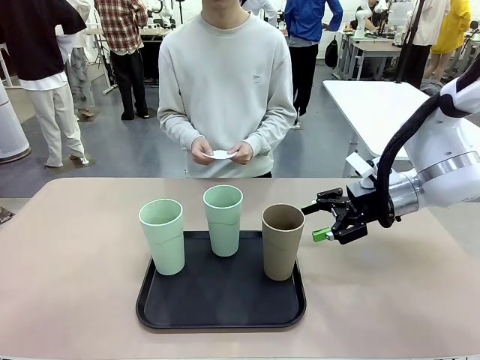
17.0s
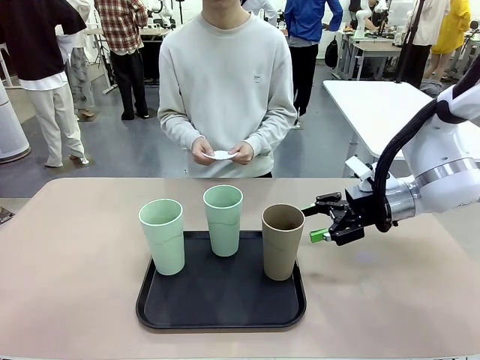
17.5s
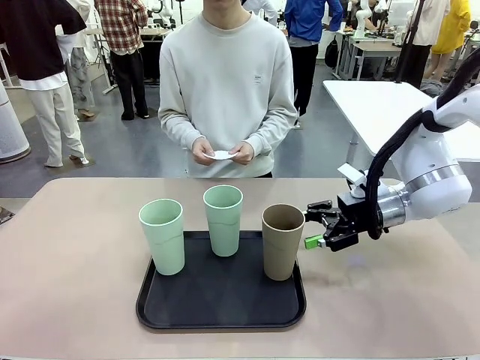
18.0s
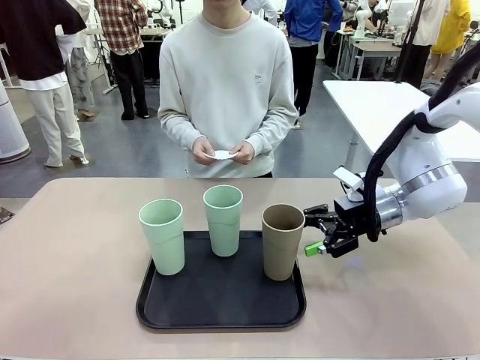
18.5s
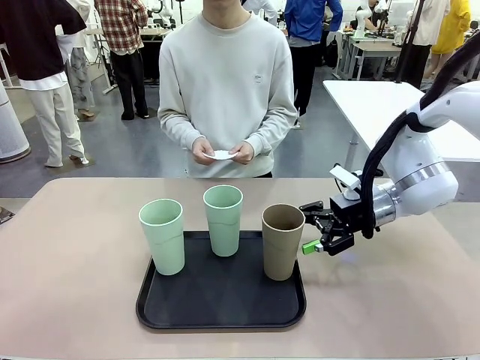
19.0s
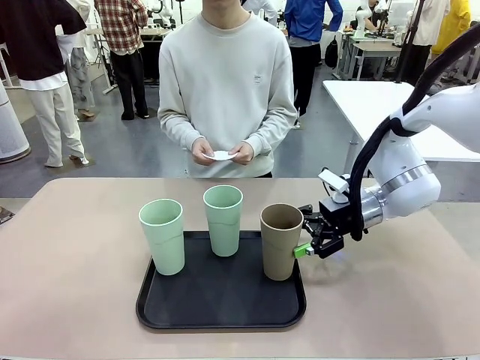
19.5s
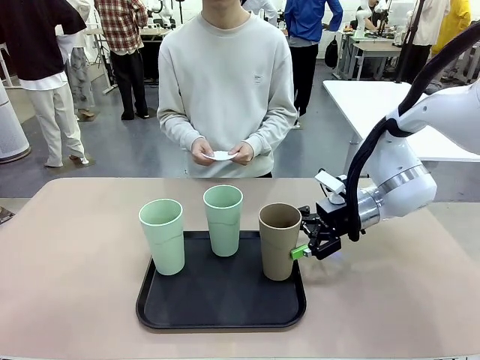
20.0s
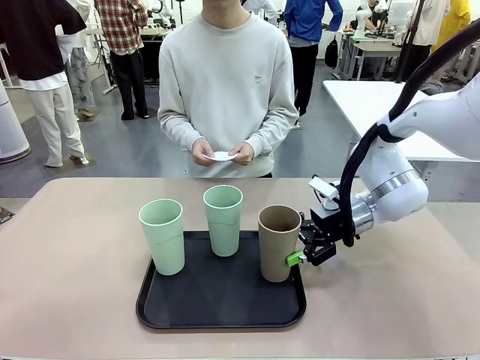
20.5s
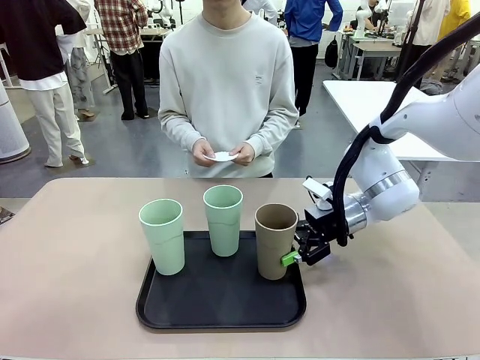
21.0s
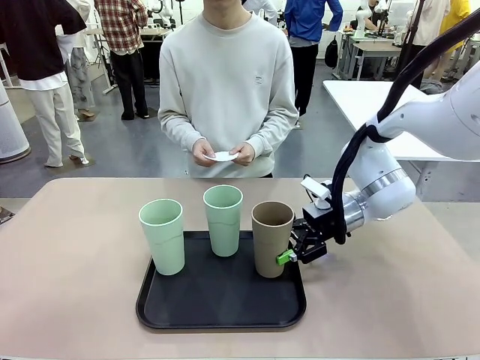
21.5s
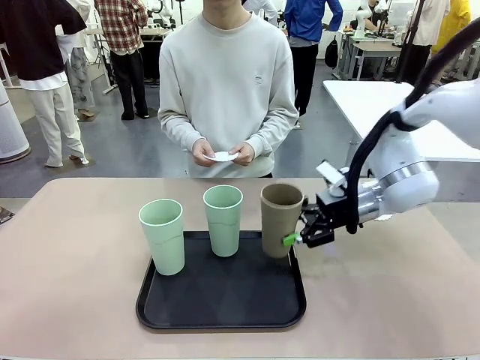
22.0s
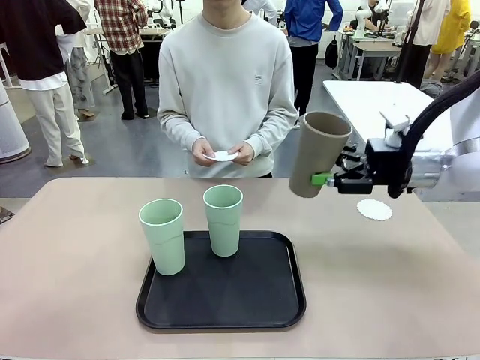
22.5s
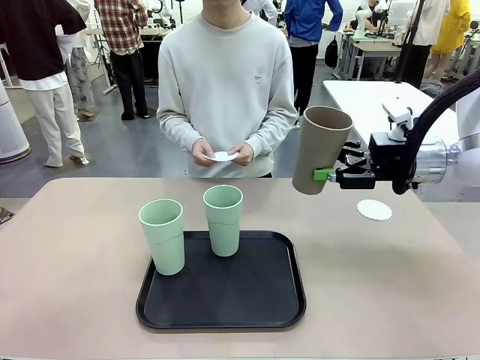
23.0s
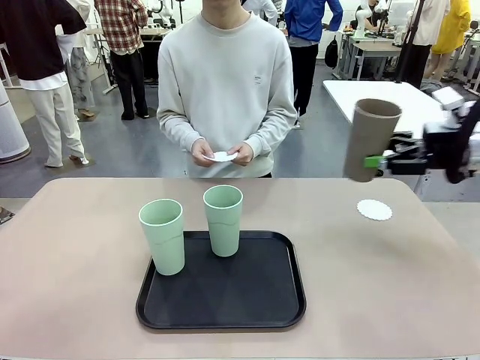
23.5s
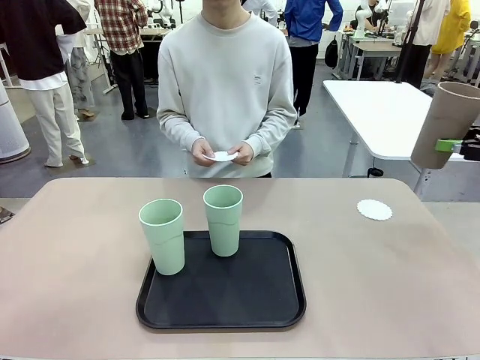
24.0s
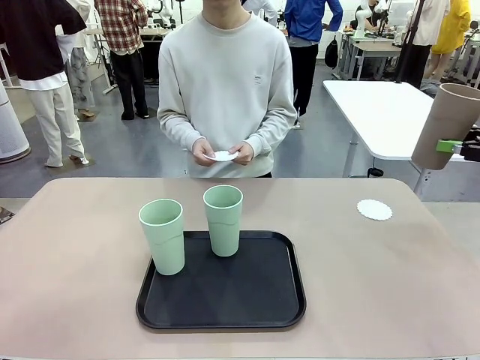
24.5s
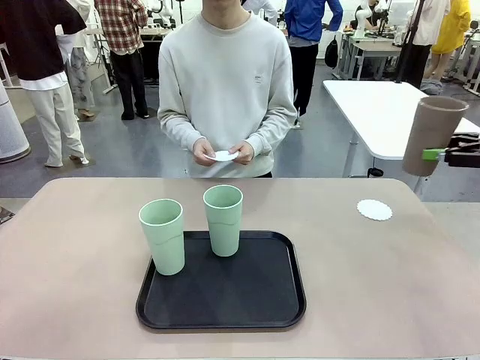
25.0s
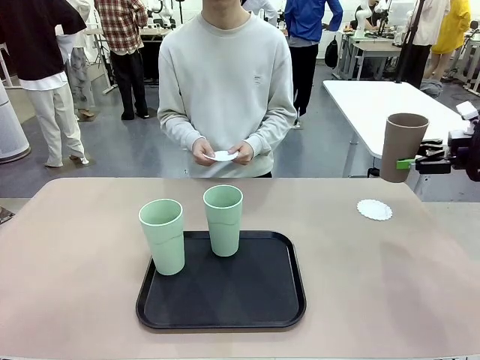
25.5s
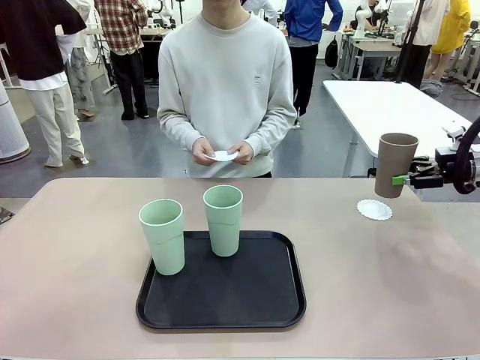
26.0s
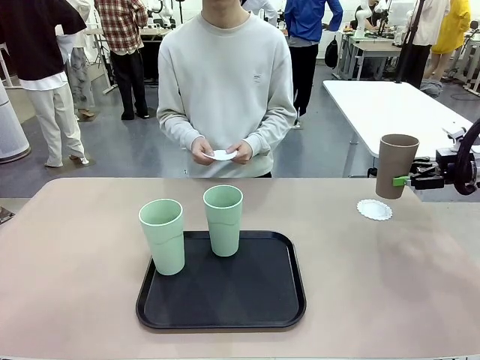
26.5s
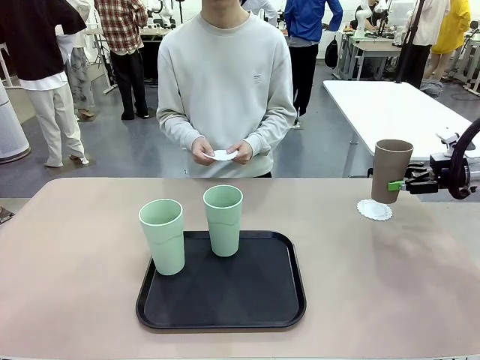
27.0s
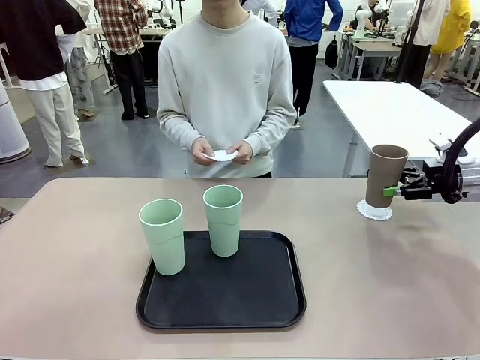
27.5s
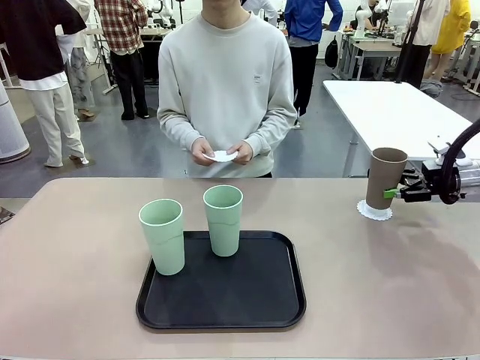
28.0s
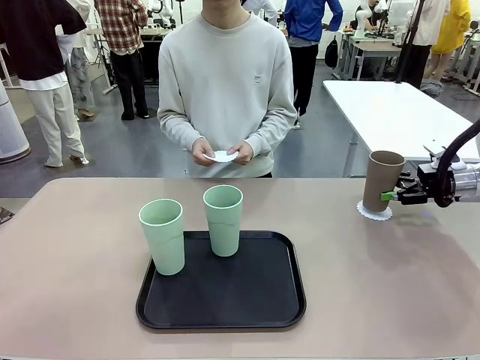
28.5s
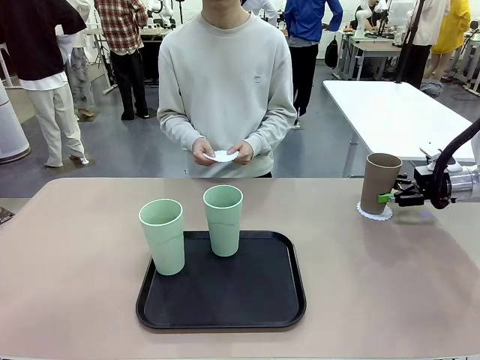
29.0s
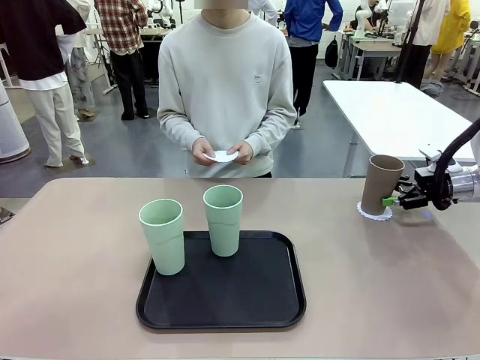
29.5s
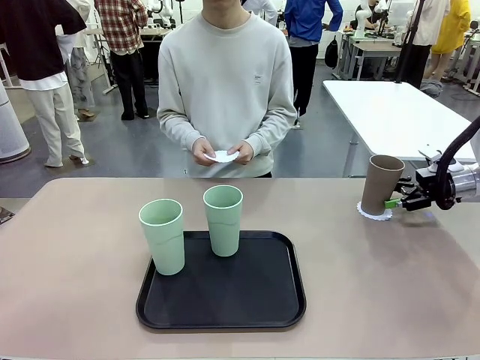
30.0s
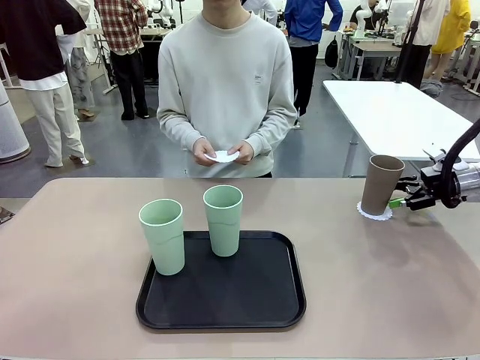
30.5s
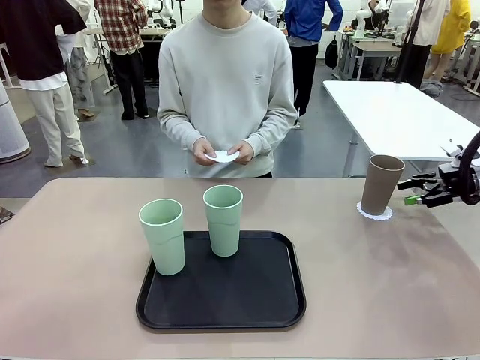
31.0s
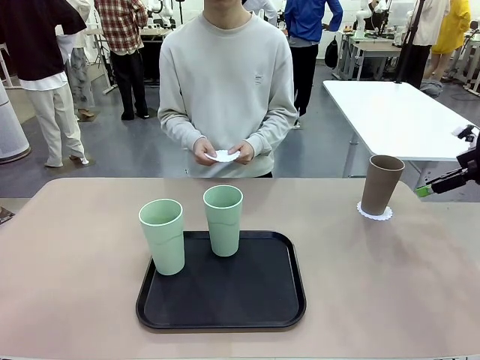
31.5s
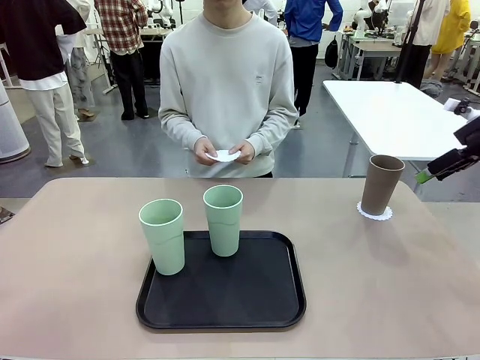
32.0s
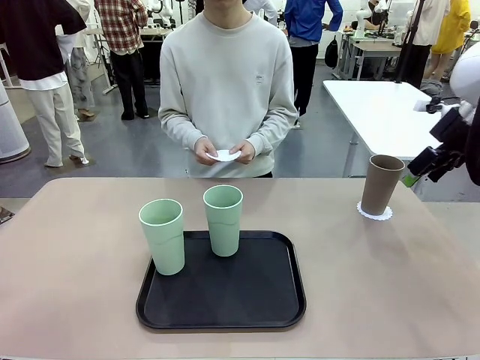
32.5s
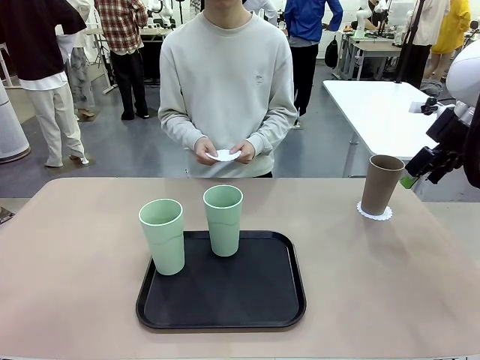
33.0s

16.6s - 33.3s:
Task: Place coasters on the table and set cups on them.
Robot: Pick up one Reusable plastic cup and place it on a coaster set by the human.
Person: Place one coaster in one of the two areas excluding the previously selected area.

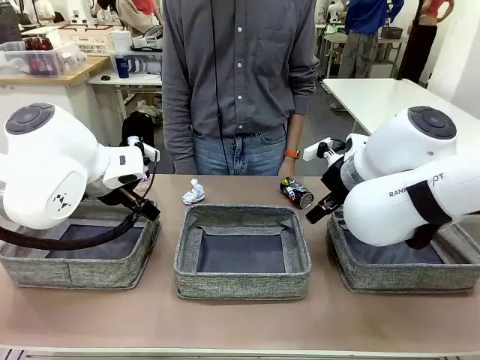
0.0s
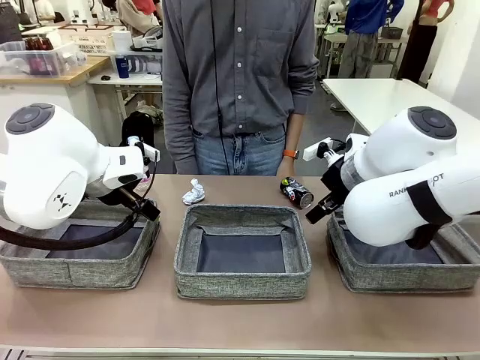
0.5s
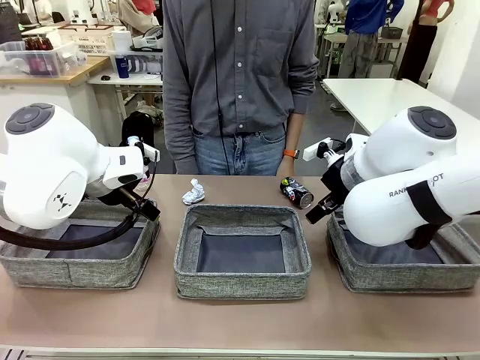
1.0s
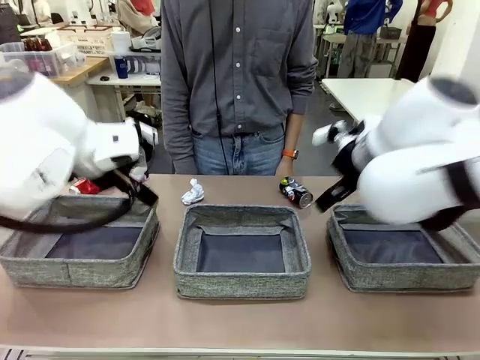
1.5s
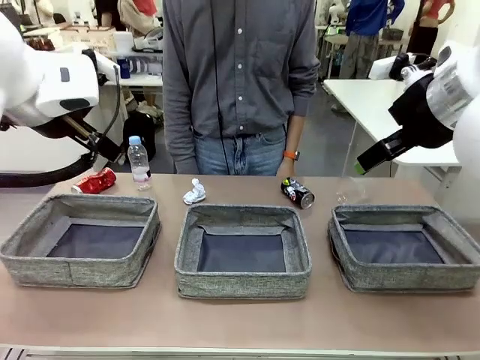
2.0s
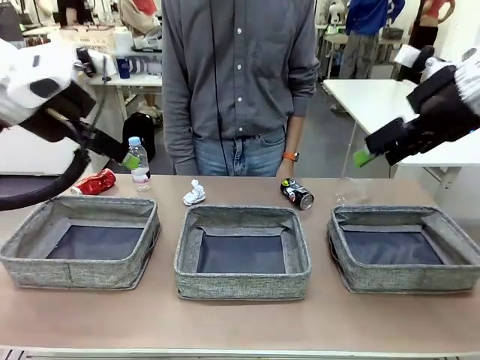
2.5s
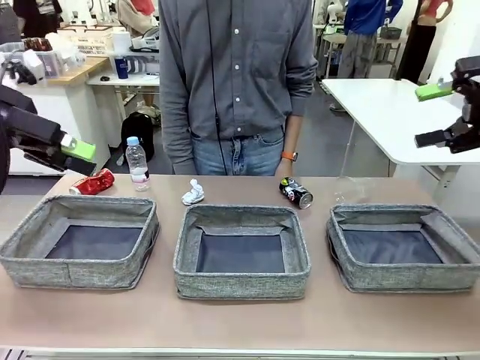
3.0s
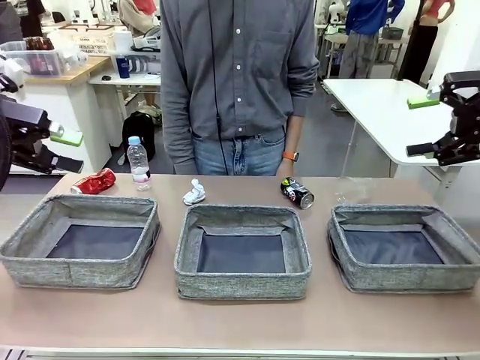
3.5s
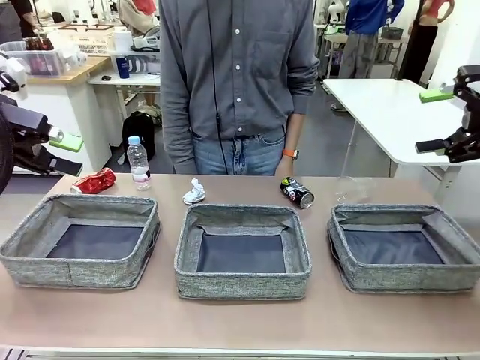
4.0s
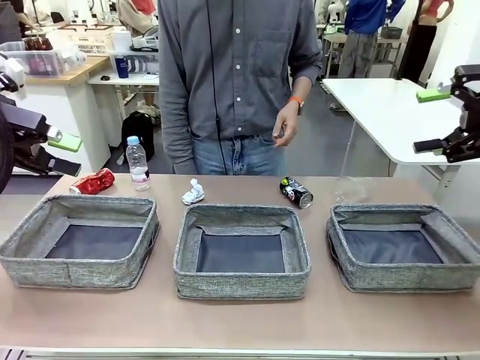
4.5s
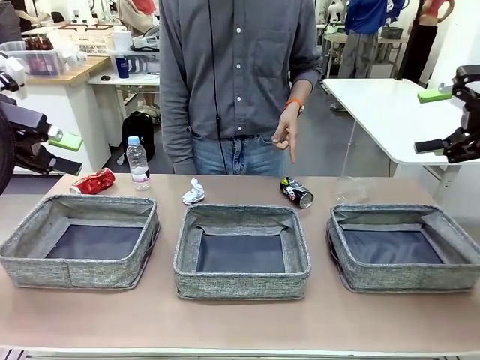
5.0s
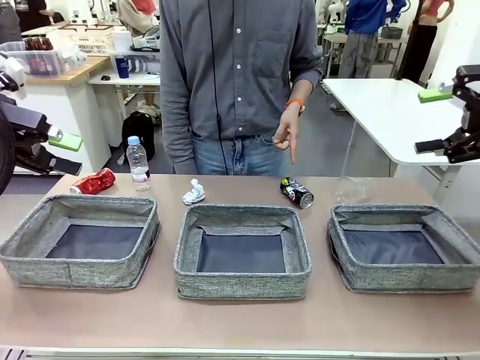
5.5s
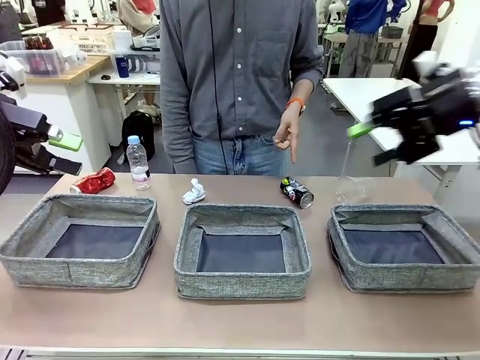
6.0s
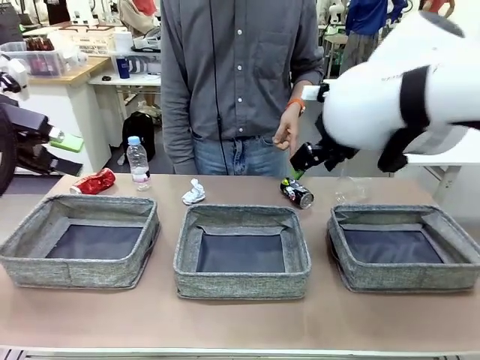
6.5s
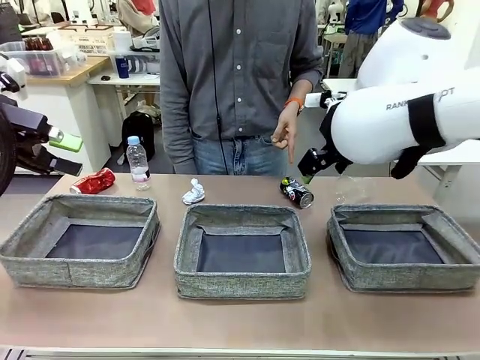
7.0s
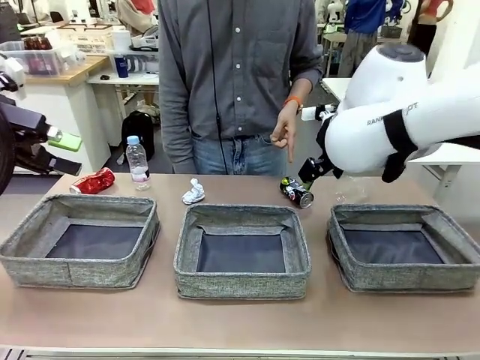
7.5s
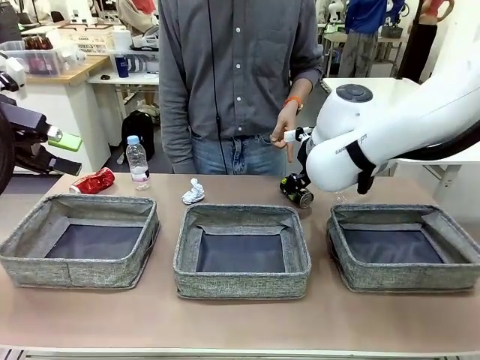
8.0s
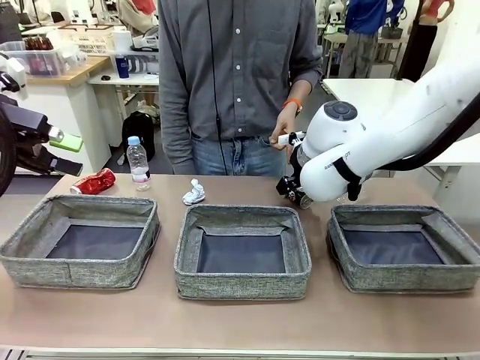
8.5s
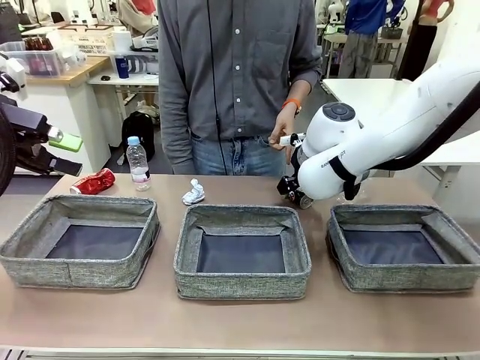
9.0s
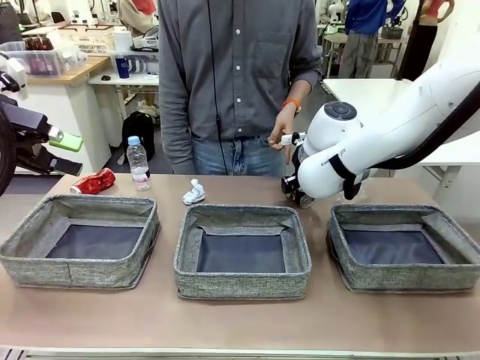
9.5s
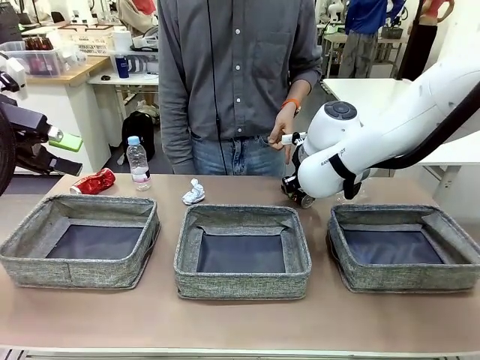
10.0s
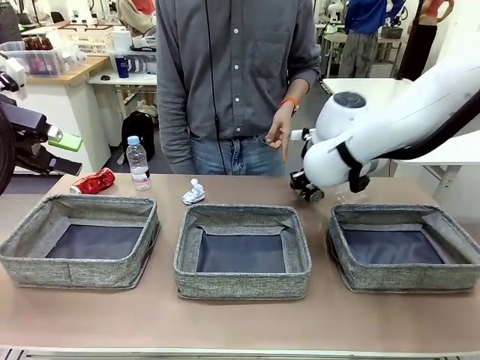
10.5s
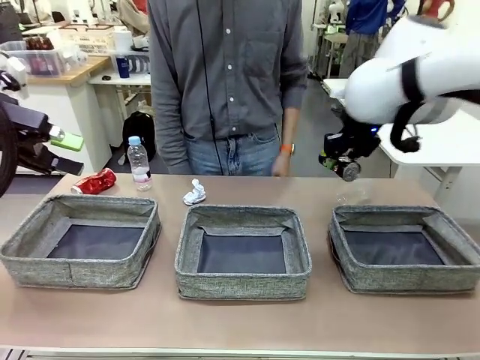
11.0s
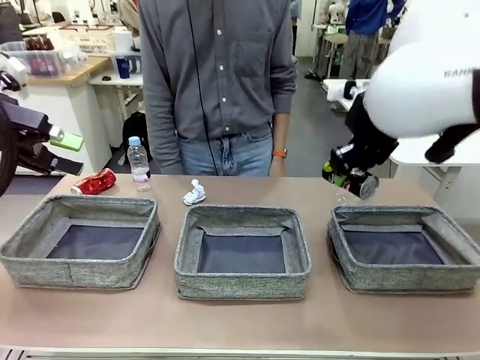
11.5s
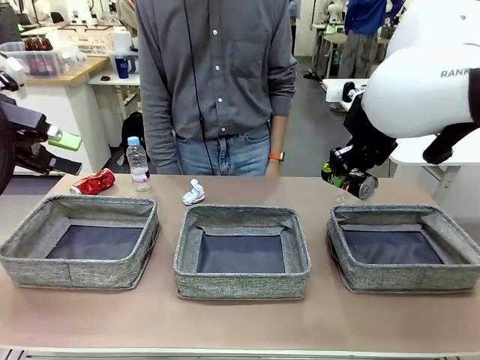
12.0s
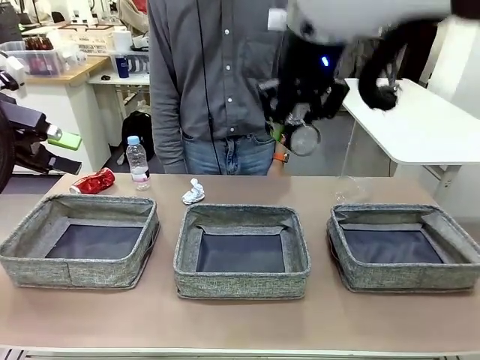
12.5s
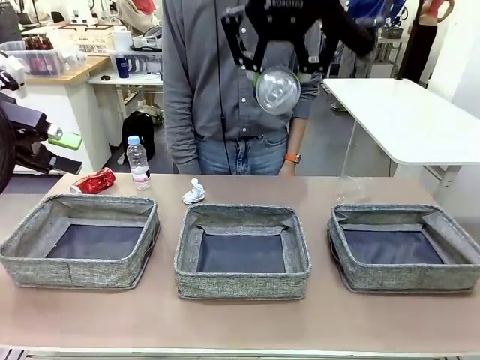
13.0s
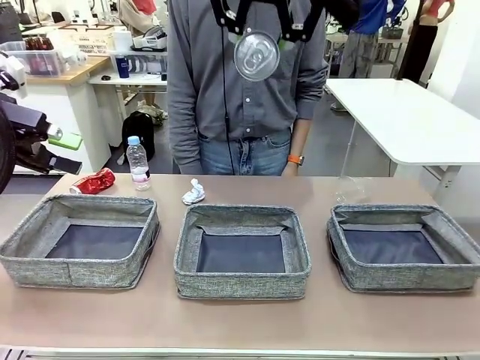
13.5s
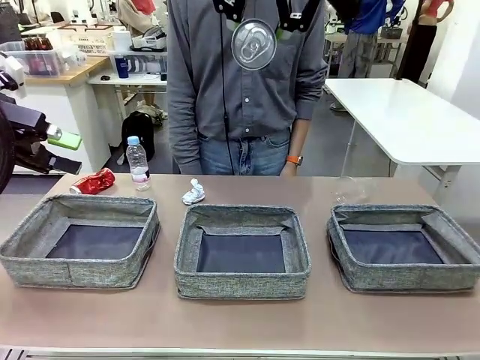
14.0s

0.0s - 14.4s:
Task: Sort the waste into the appropriate baskets.
Robot: Pick up the waste item pointed out by the person.
Person: Points to one piece of trash on the table.
